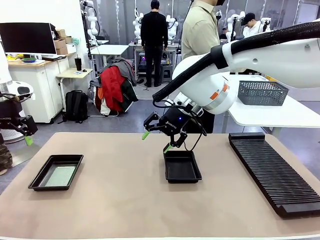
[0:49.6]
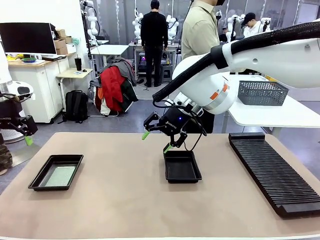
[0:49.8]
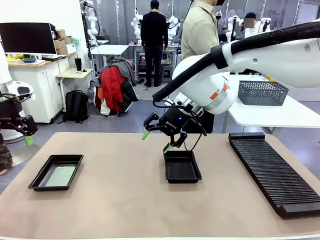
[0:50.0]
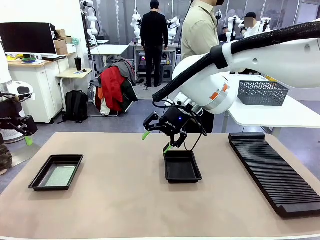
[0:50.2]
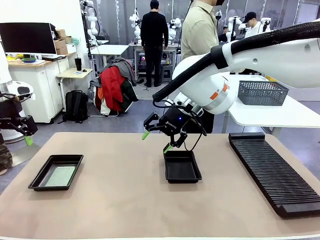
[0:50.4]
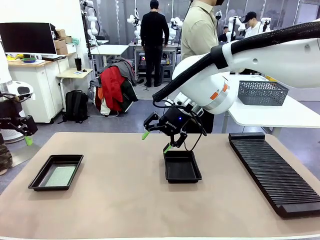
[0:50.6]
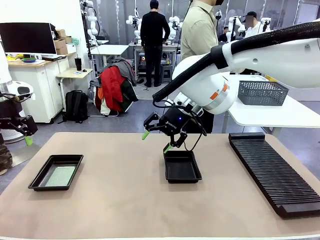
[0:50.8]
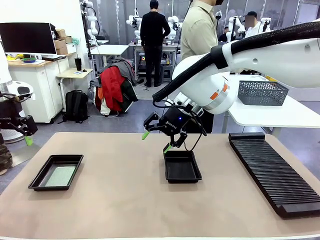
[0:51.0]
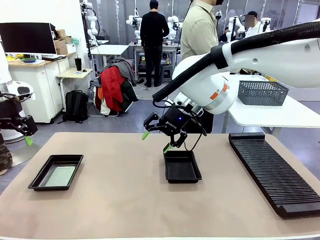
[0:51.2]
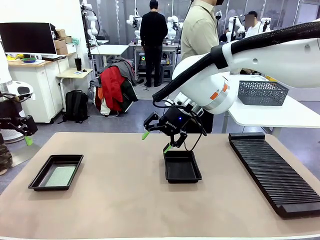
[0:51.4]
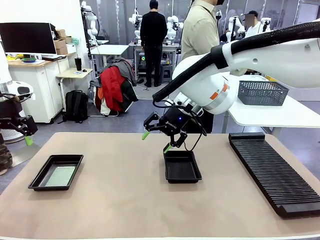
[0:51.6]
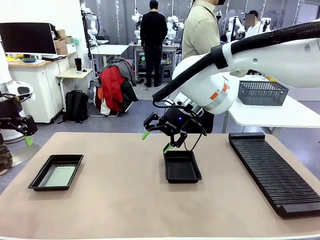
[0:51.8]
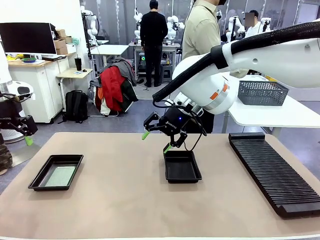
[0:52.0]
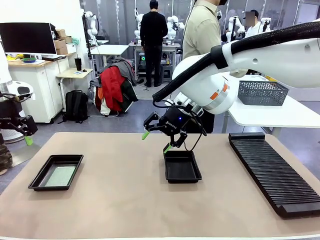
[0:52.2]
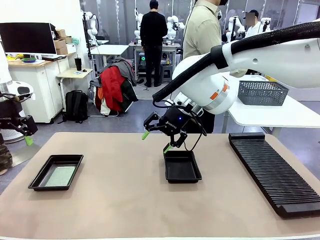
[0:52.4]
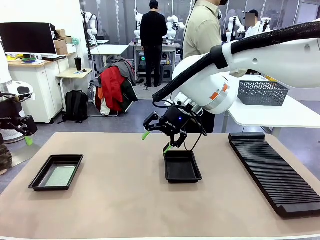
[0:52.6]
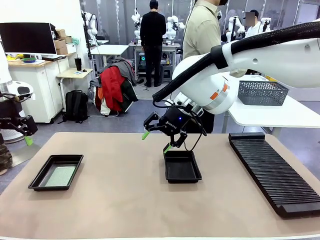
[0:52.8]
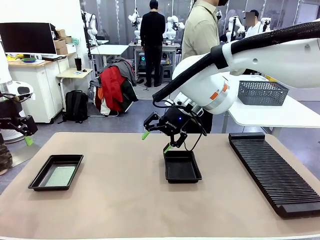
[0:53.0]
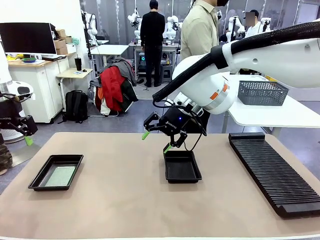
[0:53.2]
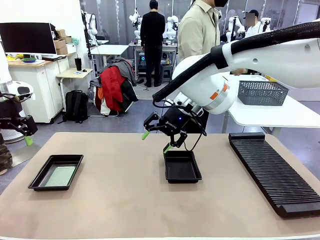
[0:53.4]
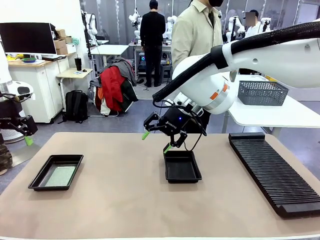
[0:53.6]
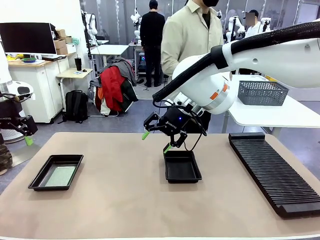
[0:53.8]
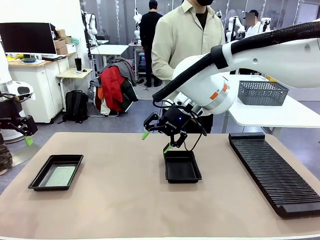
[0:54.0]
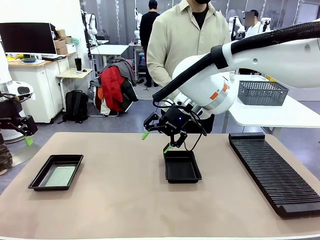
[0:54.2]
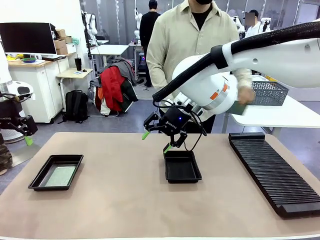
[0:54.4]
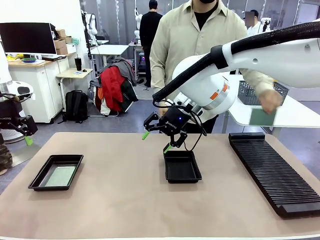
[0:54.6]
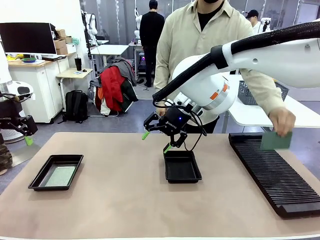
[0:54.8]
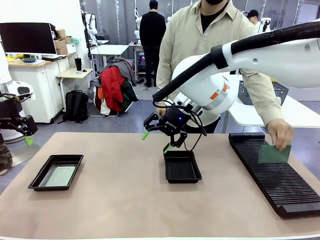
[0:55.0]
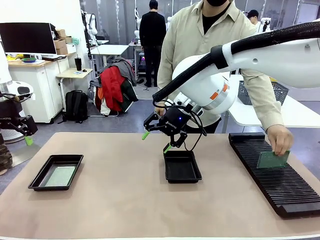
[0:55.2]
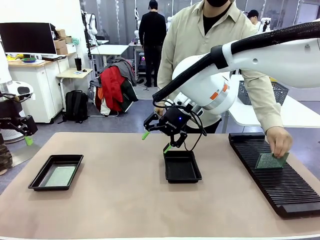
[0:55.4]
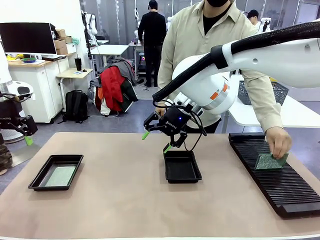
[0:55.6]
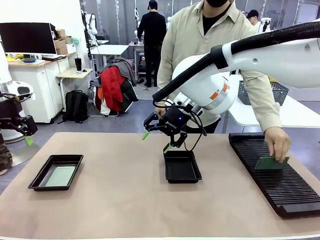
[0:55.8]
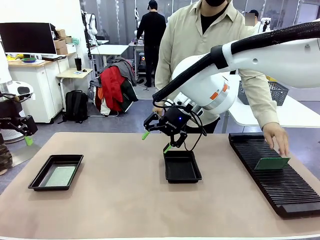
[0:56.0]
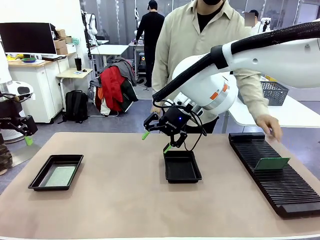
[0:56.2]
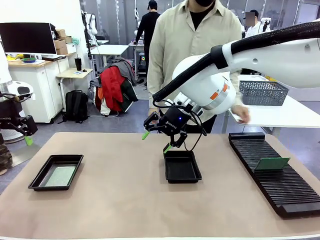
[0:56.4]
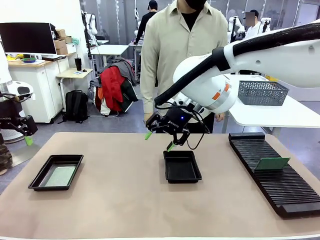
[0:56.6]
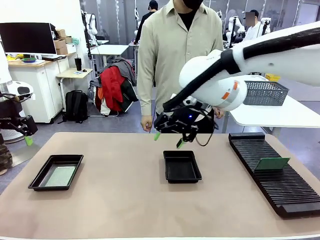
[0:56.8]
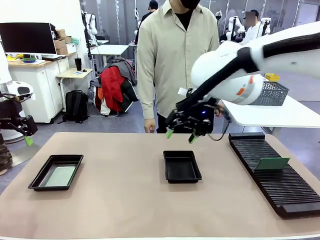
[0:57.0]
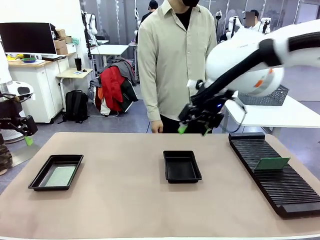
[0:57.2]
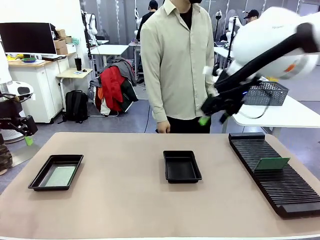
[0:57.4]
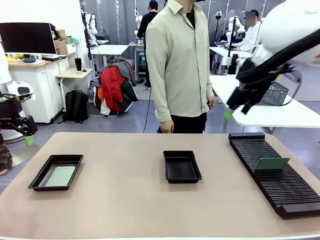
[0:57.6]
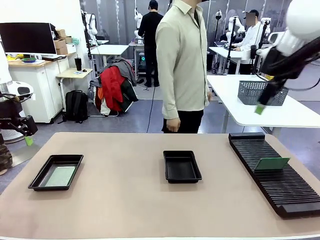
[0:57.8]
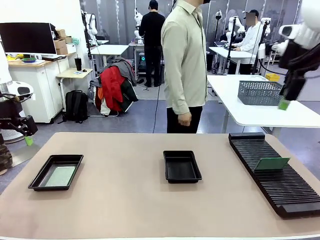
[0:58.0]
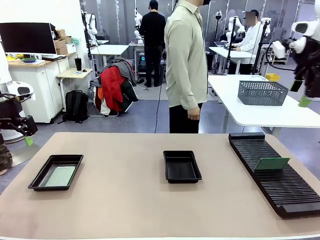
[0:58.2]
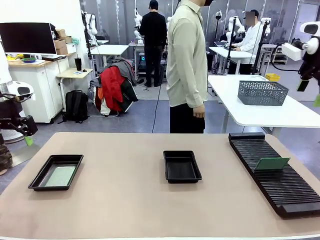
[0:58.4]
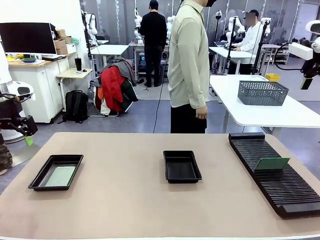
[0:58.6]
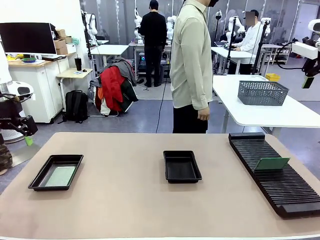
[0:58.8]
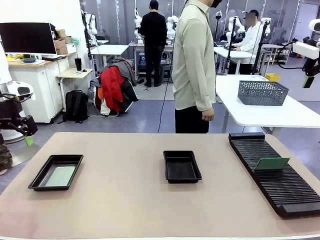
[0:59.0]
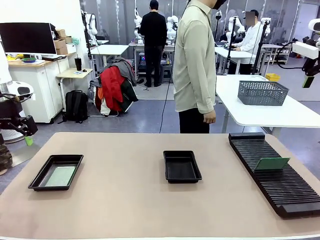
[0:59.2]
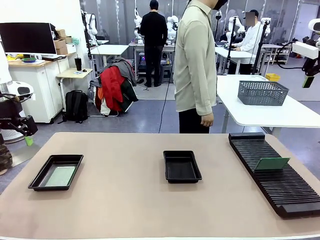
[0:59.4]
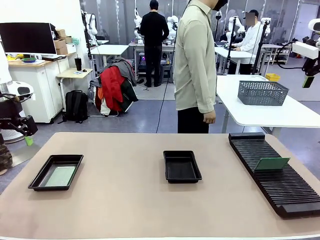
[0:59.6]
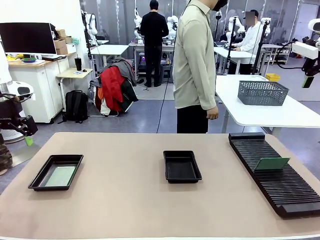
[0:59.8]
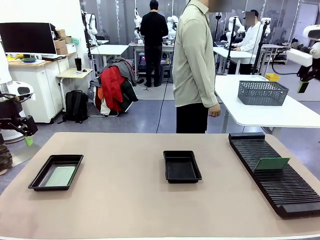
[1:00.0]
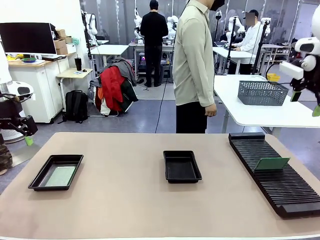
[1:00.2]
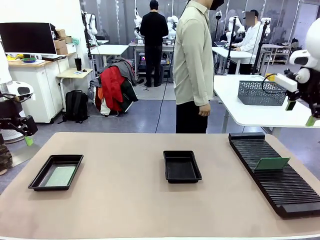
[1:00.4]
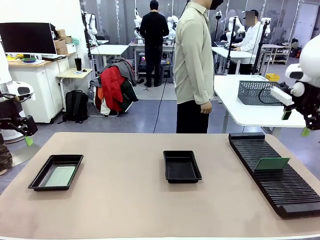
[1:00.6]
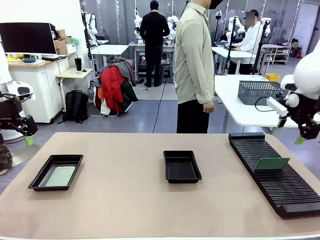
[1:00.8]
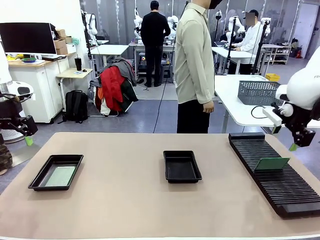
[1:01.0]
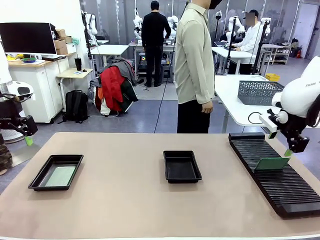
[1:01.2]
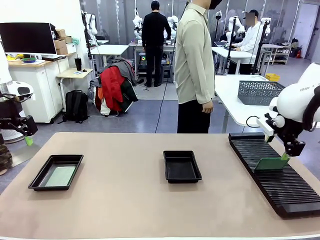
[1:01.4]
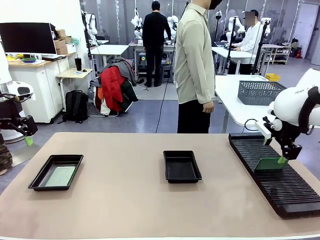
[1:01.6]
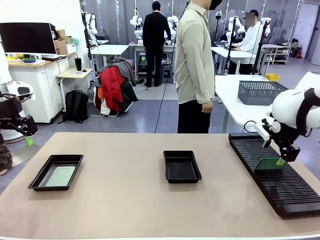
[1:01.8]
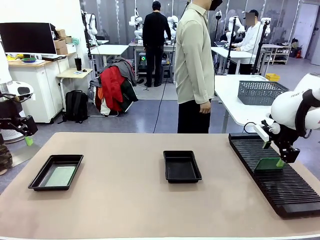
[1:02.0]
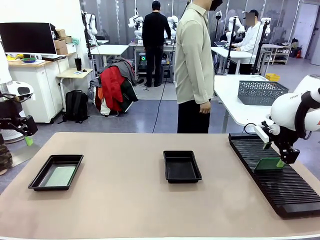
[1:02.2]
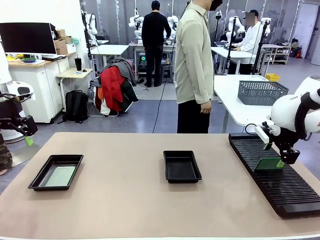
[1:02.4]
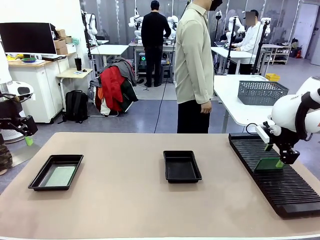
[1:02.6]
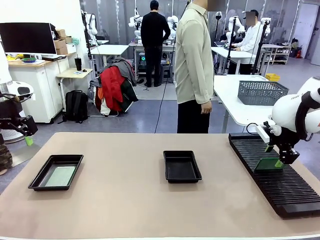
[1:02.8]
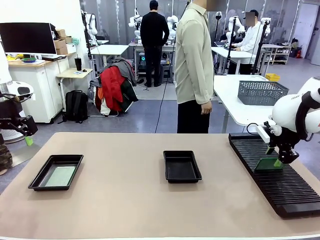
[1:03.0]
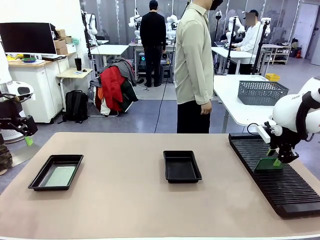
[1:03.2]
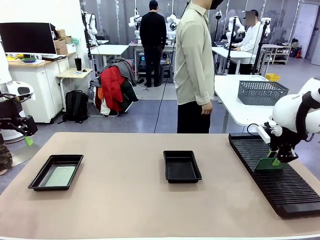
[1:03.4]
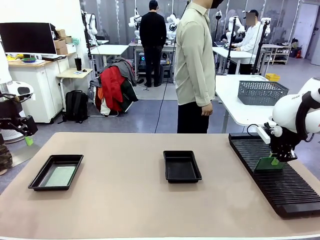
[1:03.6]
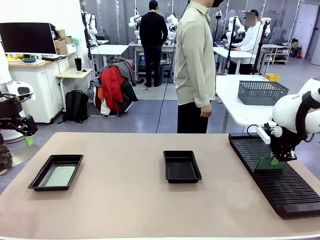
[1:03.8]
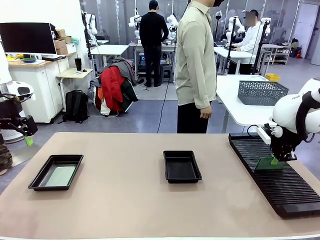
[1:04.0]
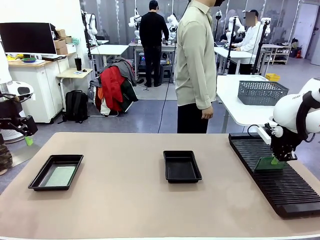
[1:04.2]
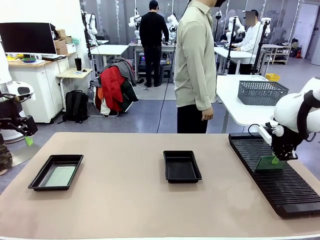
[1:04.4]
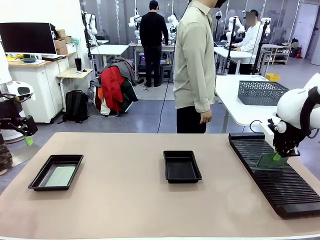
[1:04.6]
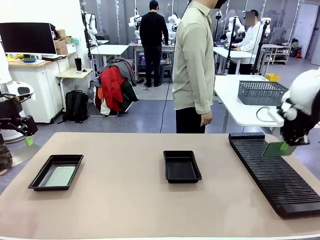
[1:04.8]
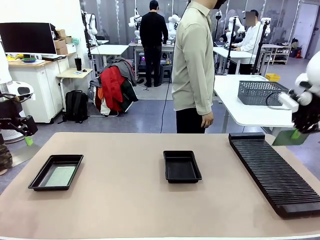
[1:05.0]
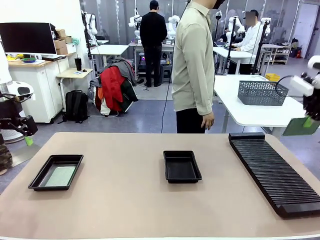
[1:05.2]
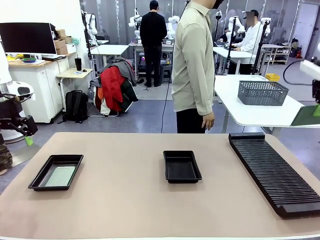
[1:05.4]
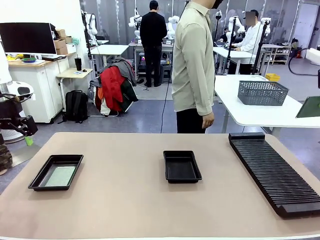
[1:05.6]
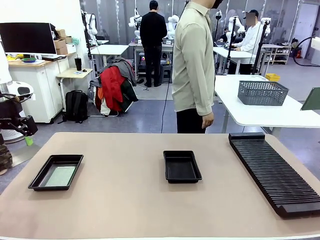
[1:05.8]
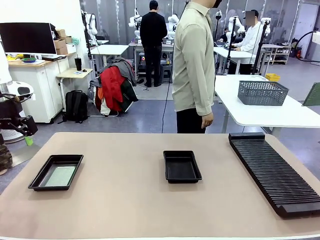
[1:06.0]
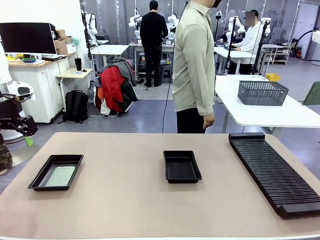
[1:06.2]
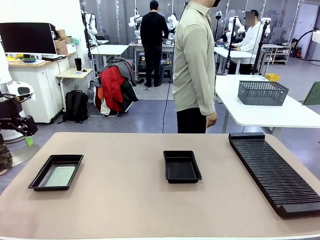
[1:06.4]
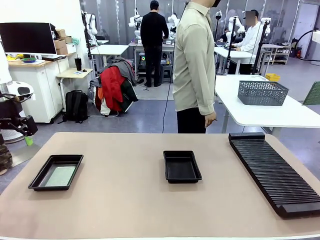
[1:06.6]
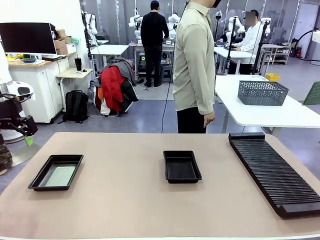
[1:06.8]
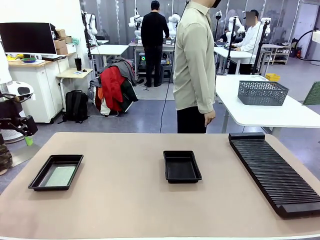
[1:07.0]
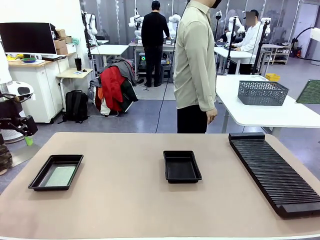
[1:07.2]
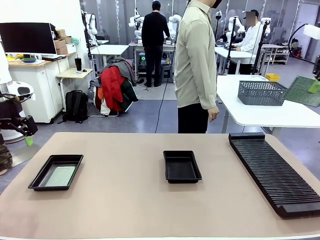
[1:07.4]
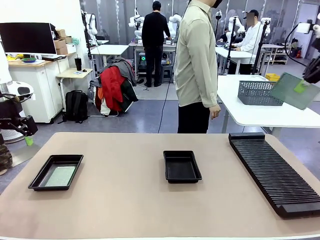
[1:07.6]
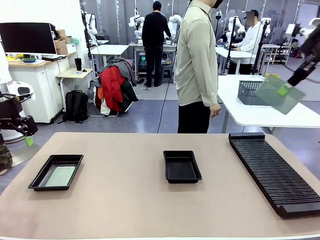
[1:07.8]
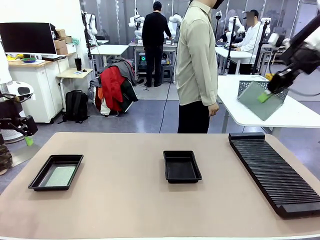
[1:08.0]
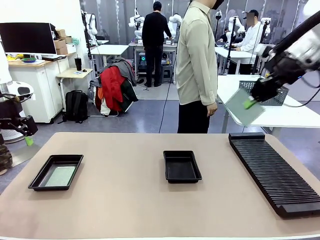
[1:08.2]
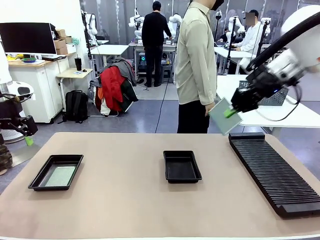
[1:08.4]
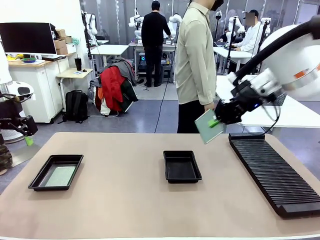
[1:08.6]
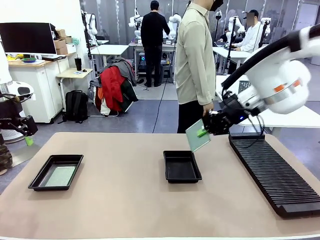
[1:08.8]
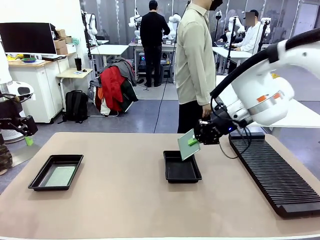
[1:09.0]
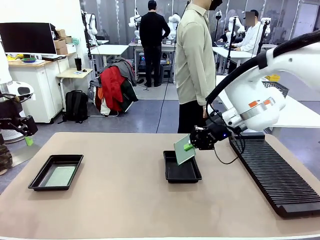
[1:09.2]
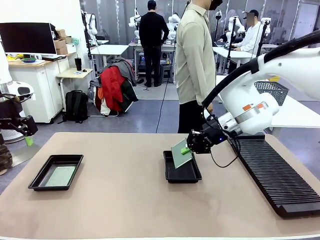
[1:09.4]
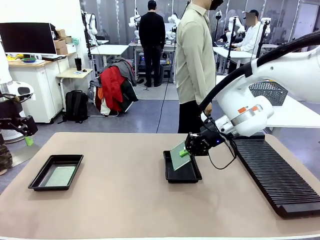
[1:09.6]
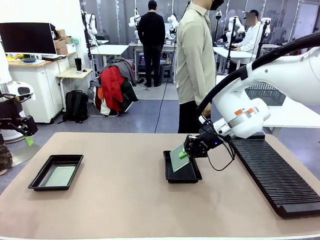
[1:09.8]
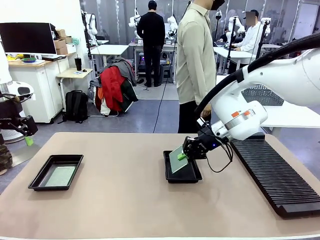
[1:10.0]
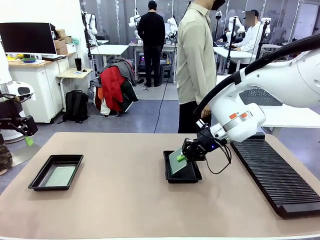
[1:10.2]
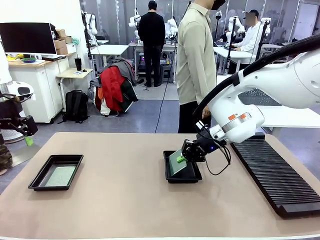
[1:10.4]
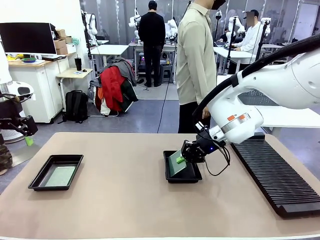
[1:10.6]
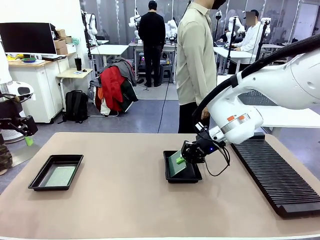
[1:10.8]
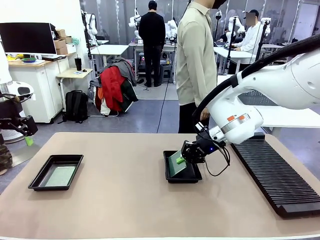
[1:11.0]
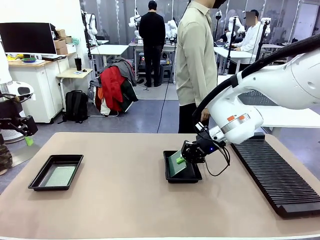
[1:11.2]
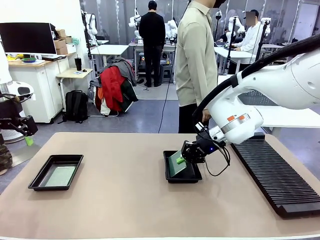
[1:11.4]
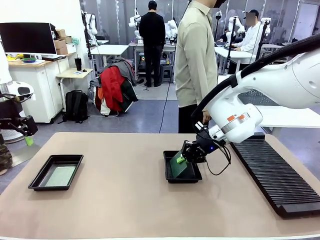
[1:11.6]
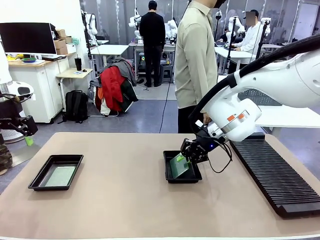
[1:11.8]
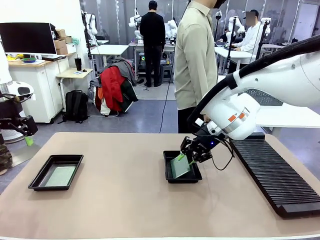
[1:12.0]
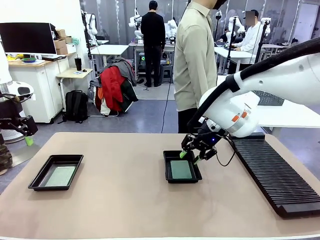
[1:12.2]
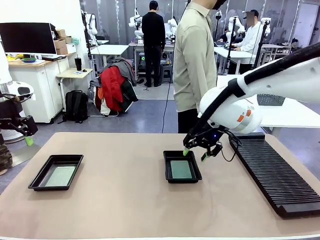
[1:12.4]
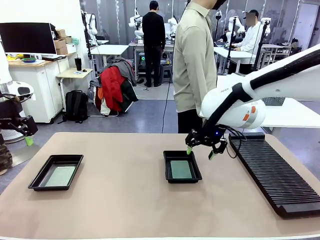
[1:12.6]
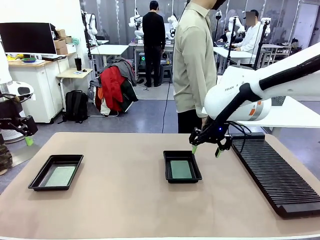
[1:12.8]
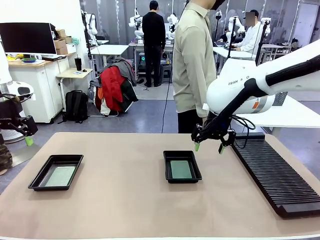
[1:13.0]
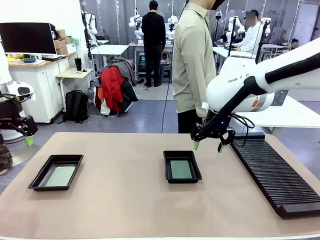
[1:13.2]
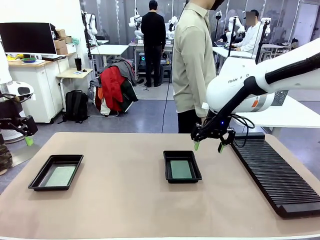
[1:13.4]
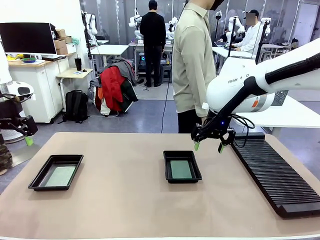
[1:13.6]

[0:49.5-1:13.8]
Task: Inspect and transfer BCBs to ESD trays.
Robot: Pick up the Blank PCB from the PCB Rack and place it in the right ESD tray.
